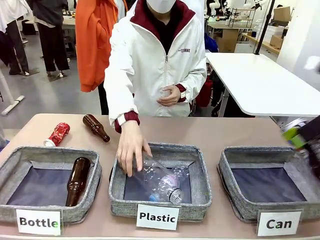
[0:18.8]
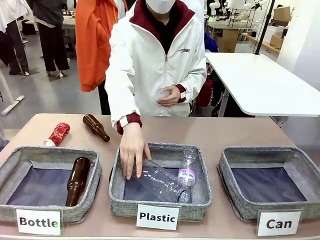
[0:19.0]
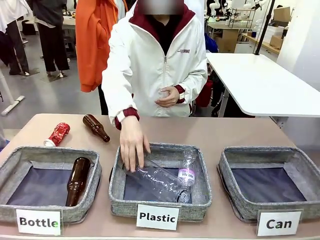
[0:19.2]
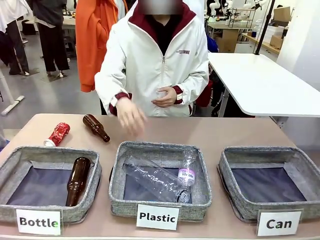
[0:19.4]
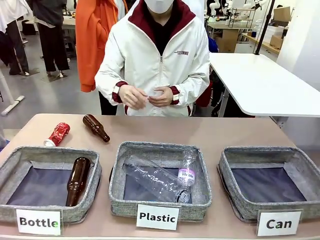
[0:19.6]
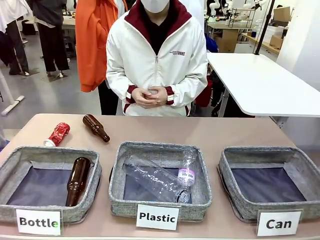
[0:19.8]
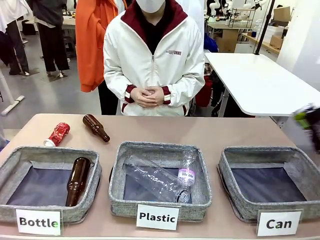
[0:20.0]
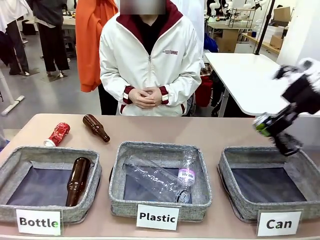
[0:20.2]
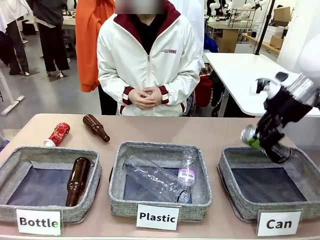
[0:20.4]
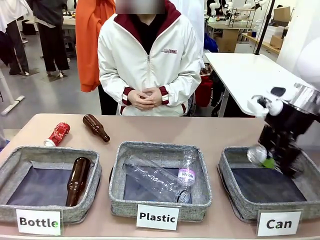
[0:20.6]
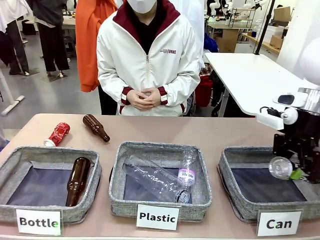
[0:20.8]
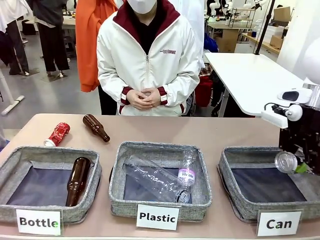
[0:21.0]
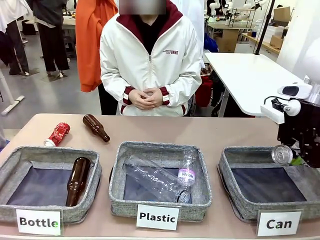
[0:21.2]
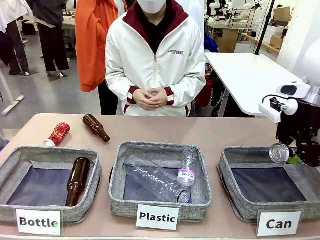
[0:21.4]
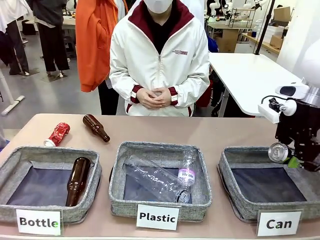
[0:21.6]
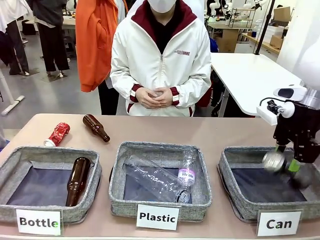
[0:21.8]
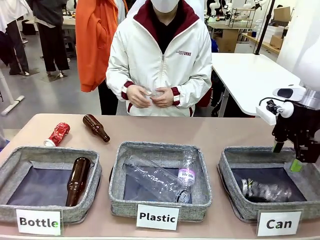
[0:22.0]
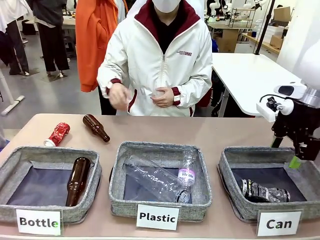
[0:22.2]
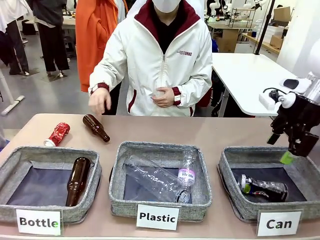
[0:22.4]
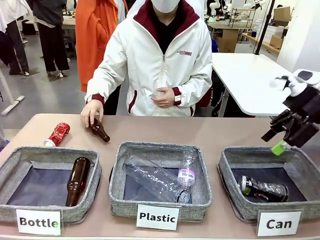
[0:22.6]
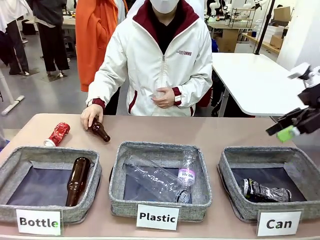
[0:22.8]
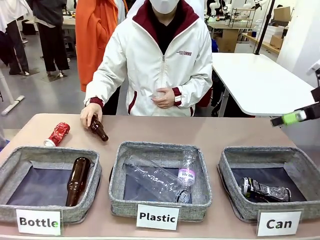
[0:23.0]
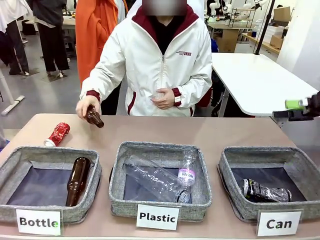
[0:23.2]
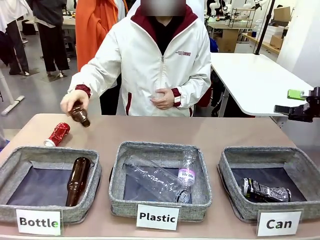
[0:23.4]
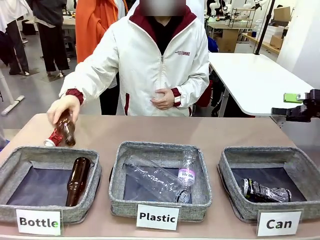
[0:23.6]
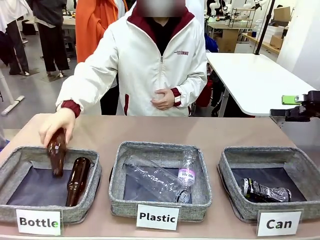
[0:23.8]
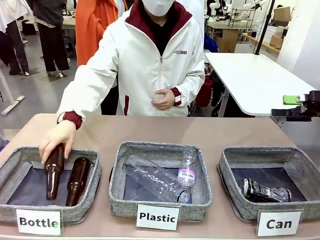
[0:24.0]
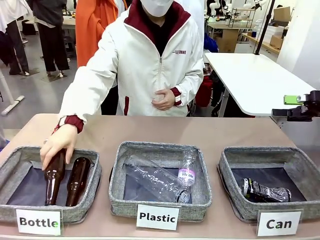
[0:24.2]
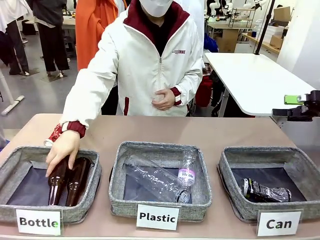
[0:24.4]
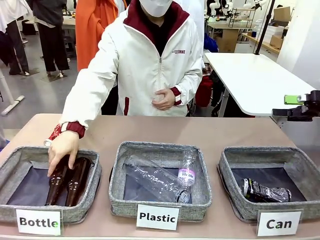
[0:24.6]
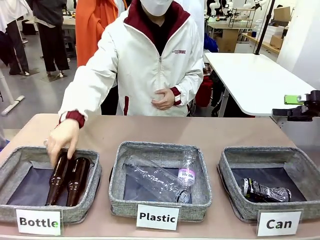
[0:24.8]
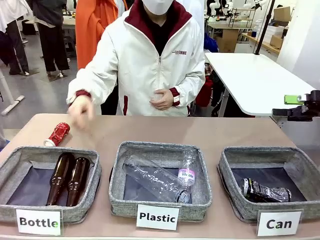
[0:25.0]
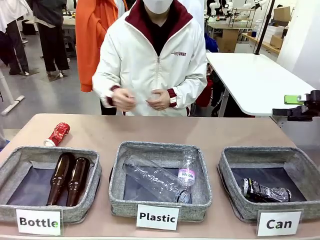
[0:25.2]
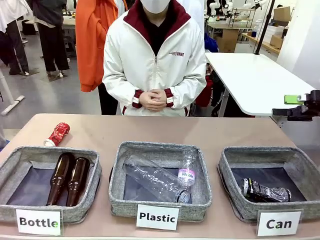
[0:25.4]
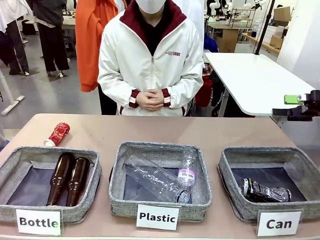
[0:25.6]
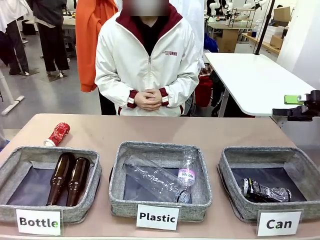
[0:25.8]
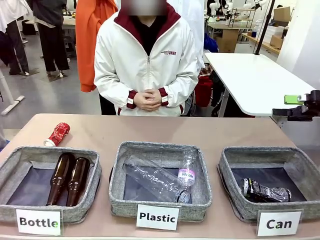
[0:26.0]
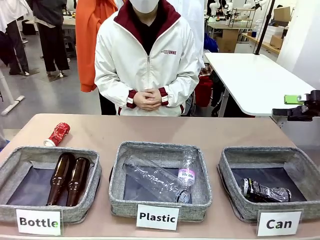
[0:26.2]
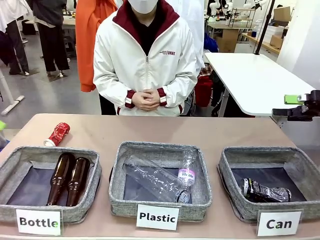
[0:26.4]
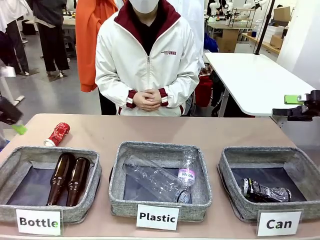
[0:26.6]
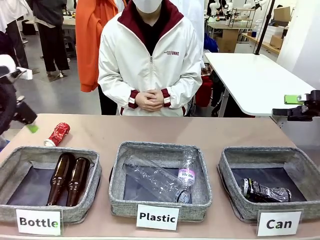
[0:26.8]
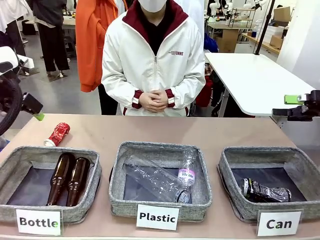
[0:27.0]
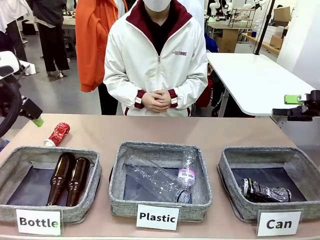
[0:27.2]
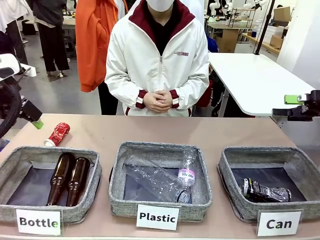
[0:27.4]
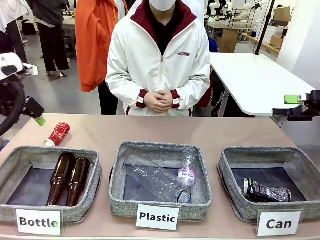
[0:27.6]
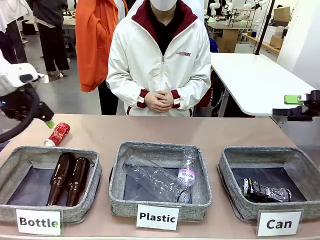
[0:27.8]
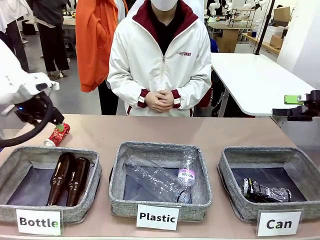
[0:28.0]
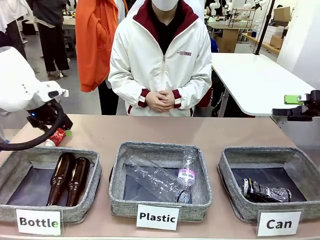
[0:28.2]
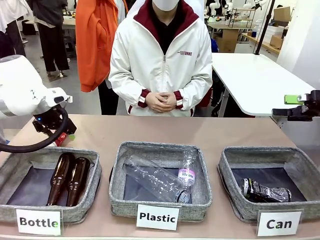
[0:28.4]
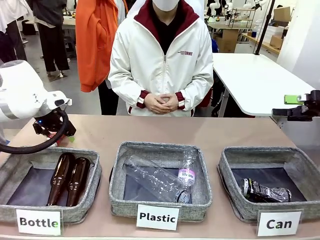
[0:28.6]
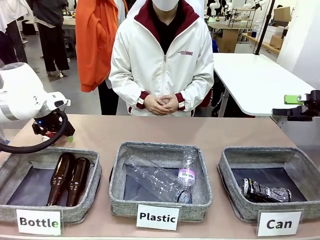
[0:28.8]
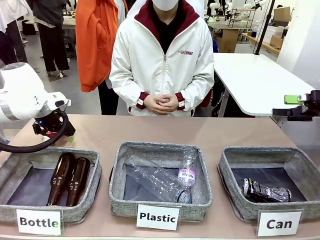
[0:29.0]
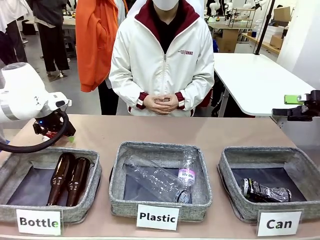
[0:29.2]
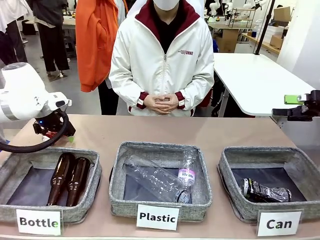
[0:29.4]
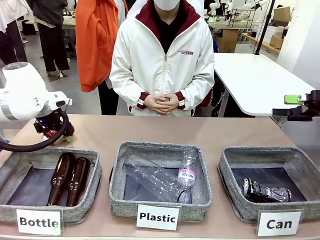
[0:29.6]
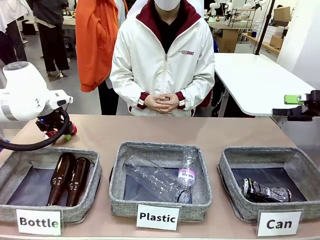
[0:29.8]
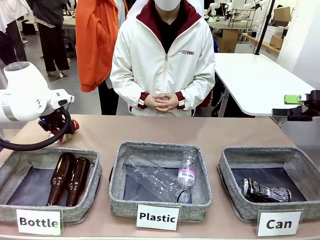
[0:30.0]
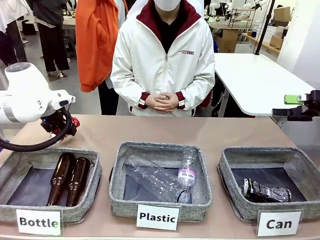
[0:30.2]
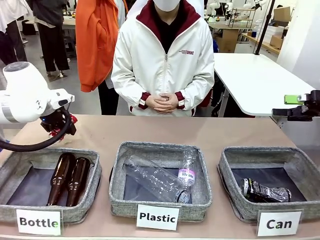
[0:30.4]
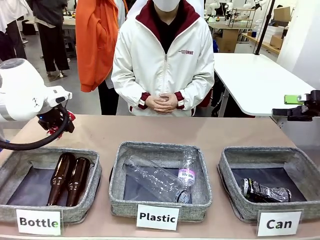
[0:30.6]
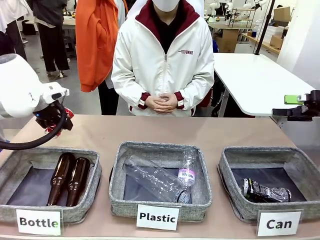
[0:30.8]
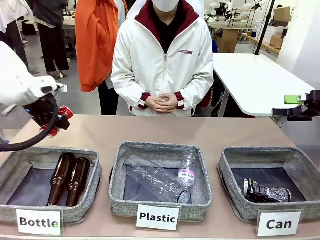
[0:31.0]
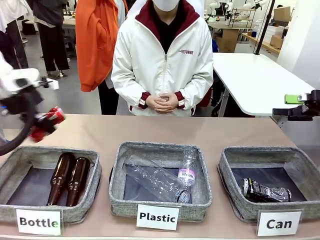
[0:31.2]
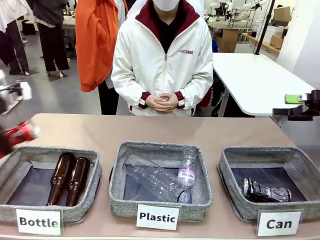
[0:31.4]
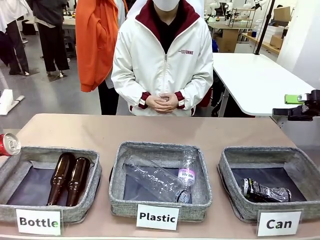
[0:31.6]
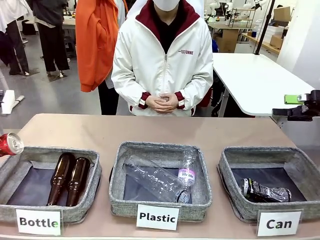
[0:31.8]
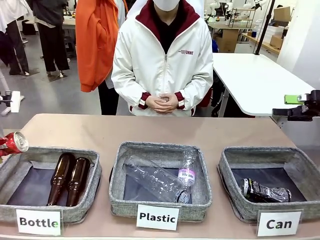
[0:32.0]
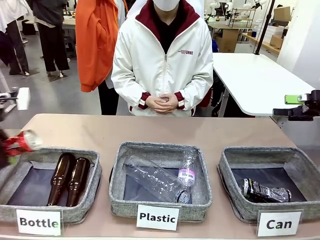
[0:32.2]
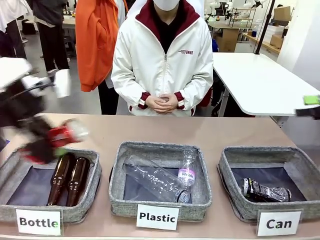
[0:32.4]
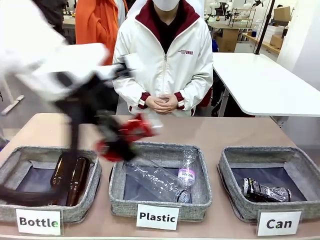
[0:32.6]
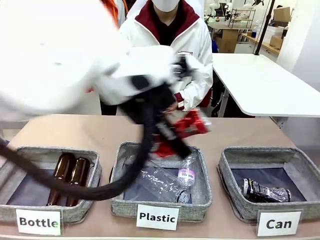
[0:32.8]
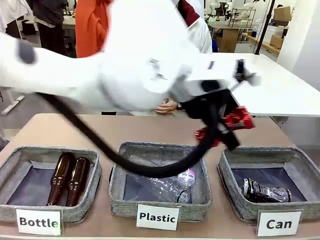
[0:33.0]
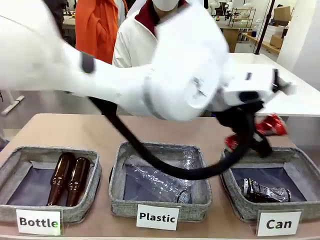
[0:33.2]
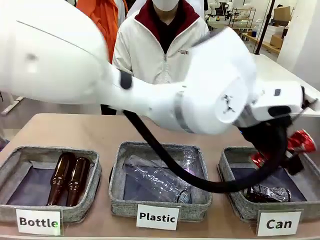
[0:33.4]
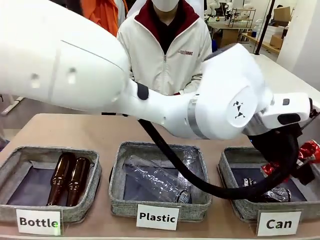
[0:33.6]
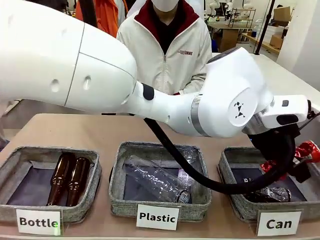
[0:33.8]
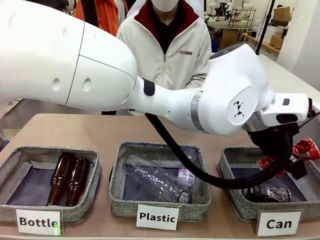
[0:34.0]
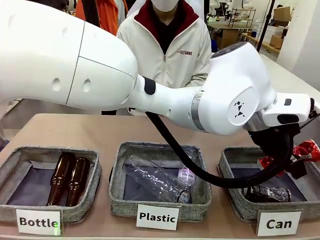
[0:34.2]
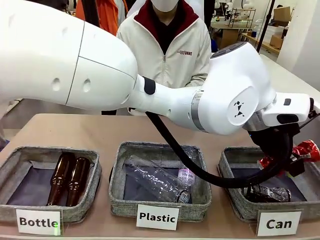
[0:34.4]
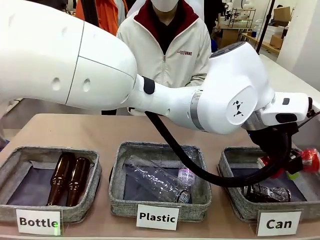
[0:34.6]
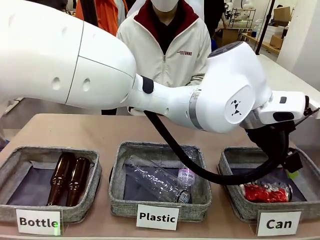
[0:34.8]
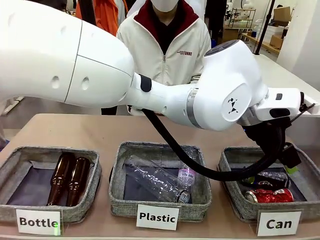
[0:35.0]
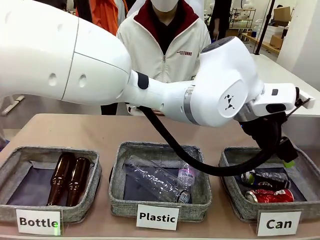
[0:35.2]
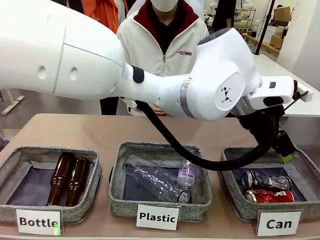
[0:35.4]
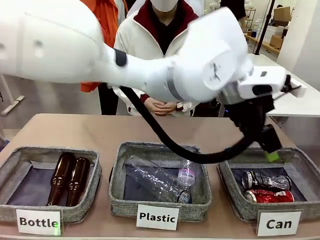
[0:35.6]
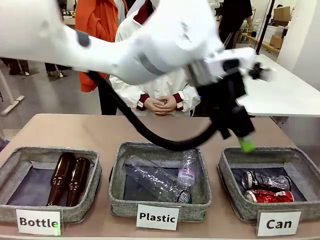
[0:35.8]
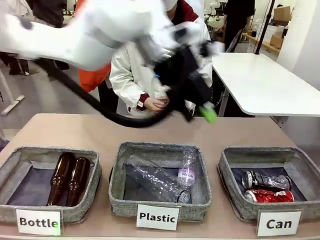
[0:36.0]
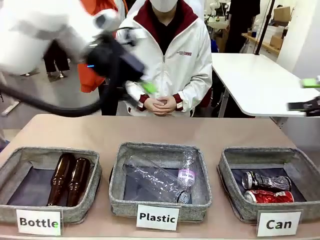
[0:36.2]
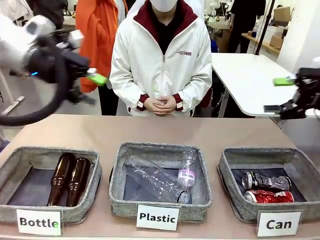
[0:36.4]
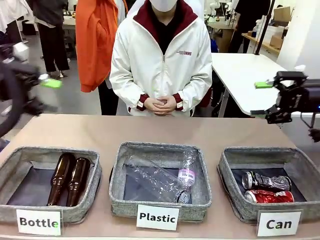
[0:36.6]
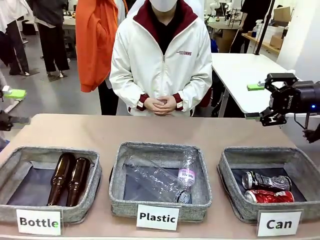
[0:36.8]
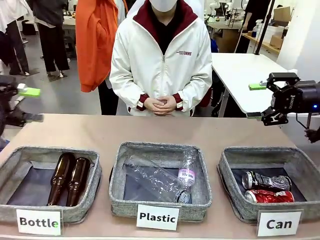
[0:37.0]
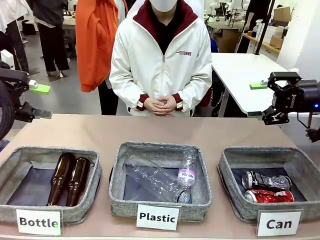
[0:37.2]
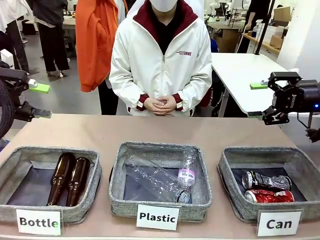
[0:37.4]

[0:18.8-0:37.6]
Task: Sort the can waste into the basket.
Robot: Pick up the can waste from the table and place it in the right Fabric basket.
